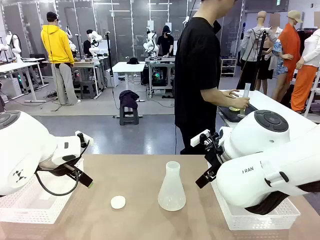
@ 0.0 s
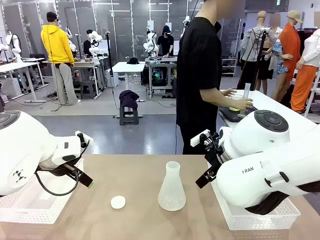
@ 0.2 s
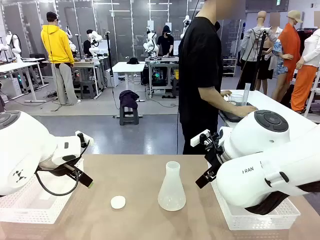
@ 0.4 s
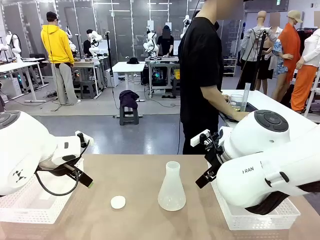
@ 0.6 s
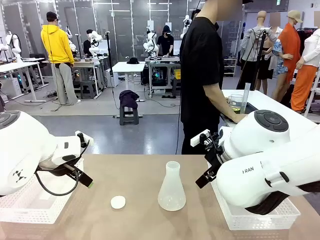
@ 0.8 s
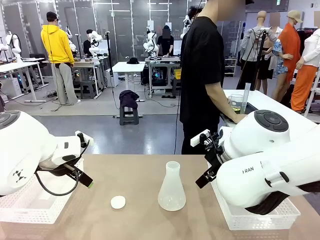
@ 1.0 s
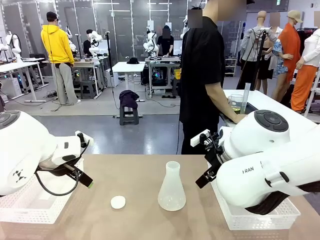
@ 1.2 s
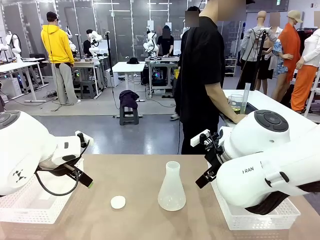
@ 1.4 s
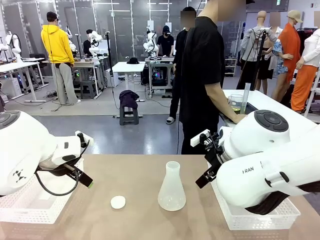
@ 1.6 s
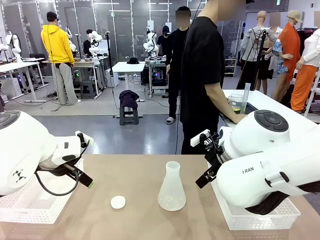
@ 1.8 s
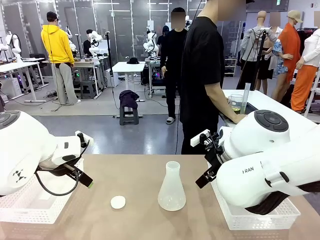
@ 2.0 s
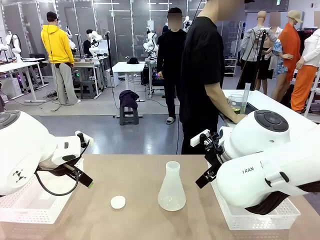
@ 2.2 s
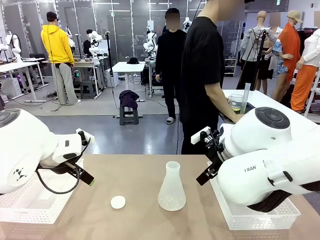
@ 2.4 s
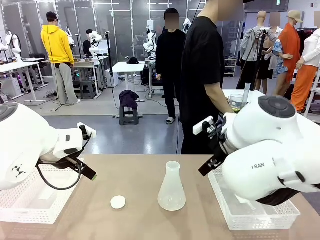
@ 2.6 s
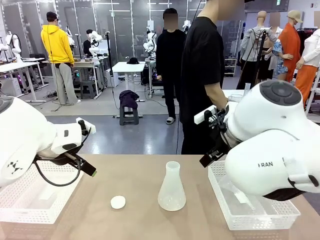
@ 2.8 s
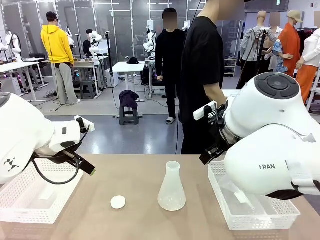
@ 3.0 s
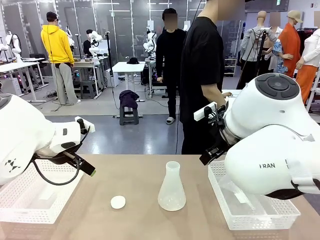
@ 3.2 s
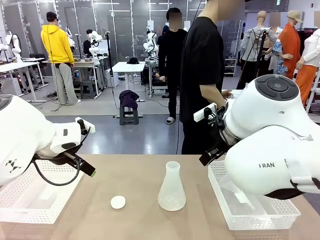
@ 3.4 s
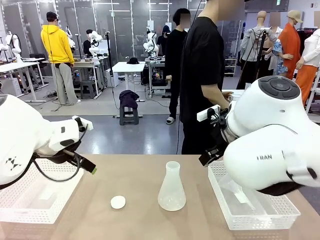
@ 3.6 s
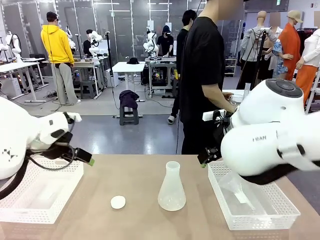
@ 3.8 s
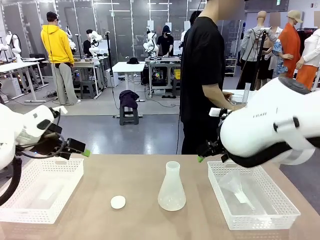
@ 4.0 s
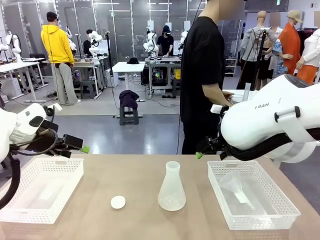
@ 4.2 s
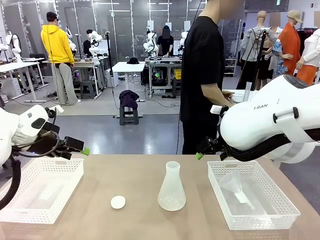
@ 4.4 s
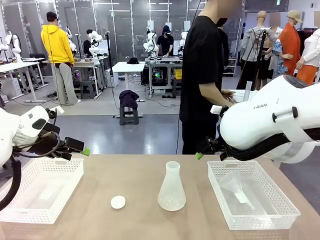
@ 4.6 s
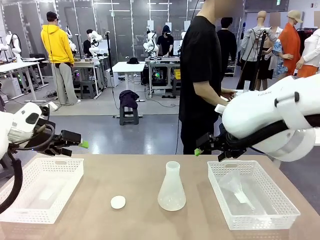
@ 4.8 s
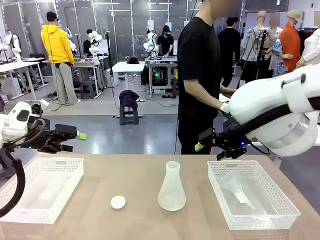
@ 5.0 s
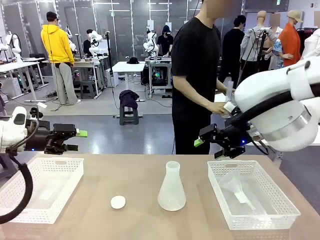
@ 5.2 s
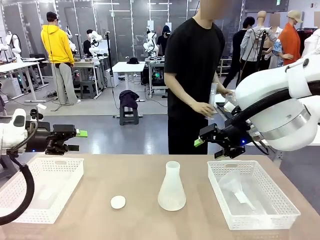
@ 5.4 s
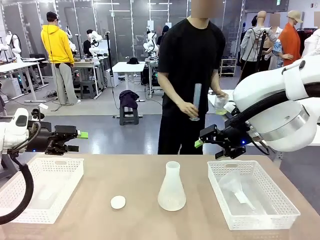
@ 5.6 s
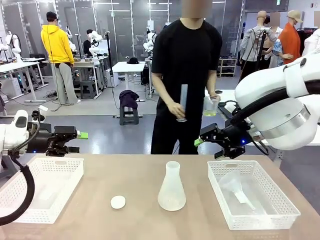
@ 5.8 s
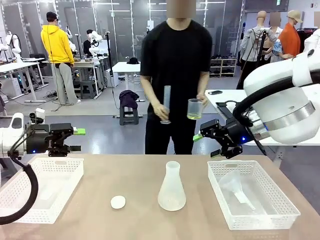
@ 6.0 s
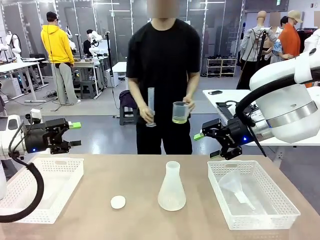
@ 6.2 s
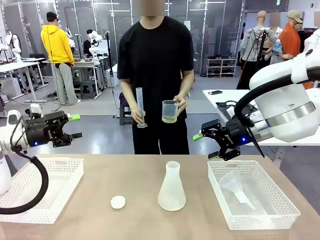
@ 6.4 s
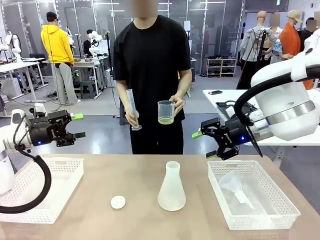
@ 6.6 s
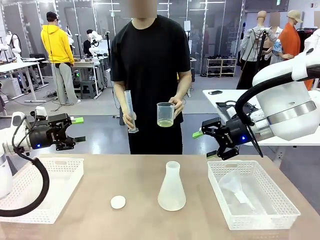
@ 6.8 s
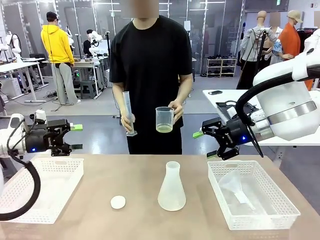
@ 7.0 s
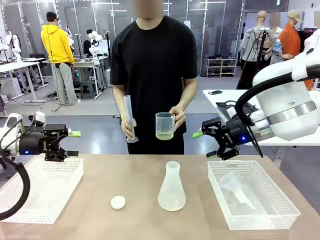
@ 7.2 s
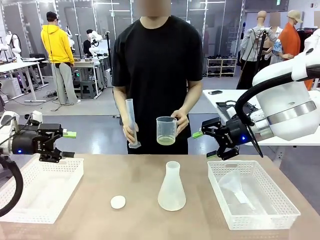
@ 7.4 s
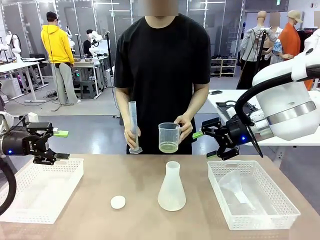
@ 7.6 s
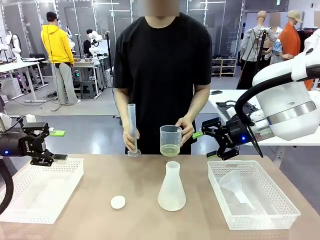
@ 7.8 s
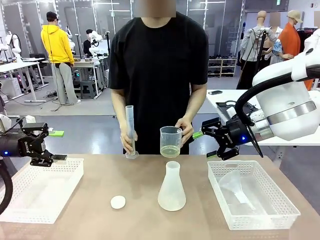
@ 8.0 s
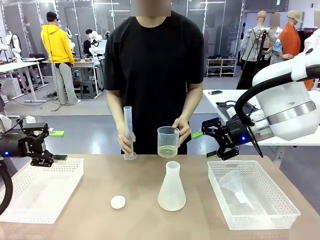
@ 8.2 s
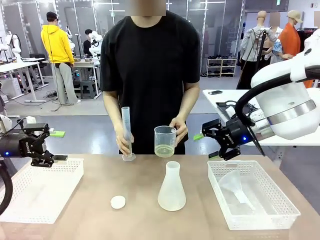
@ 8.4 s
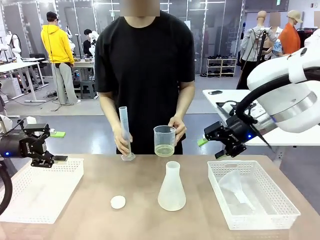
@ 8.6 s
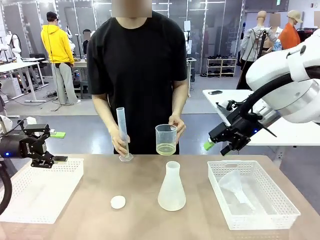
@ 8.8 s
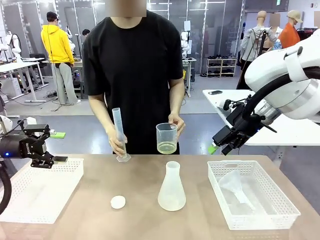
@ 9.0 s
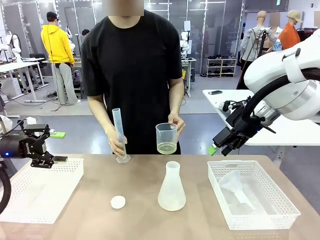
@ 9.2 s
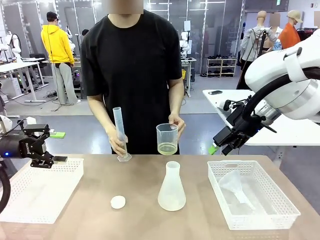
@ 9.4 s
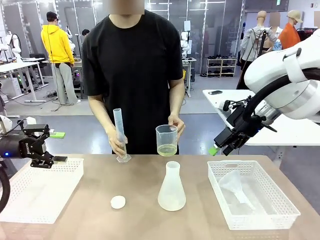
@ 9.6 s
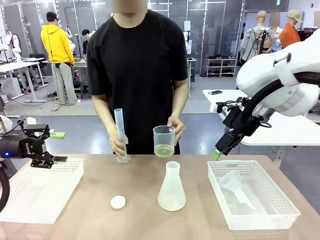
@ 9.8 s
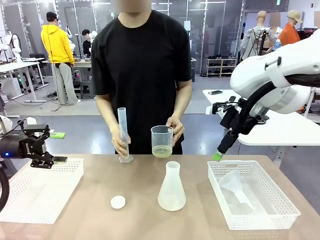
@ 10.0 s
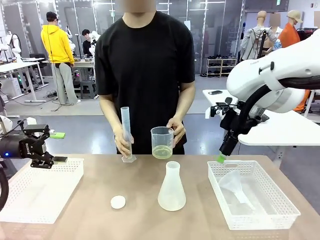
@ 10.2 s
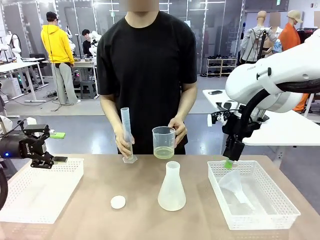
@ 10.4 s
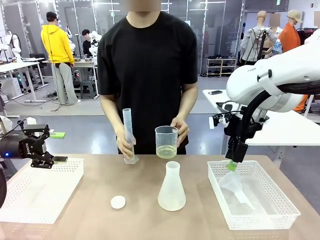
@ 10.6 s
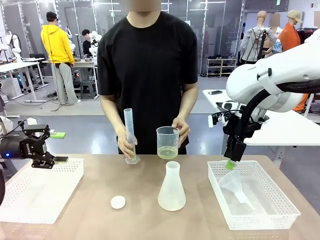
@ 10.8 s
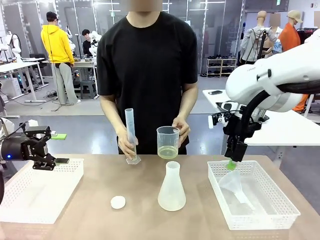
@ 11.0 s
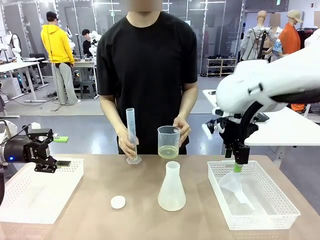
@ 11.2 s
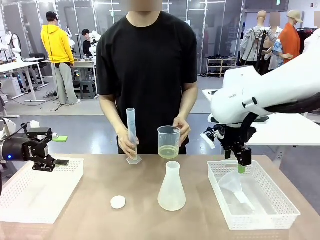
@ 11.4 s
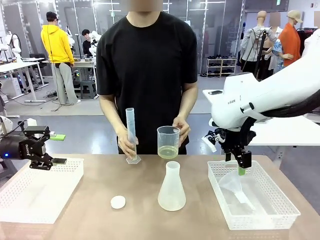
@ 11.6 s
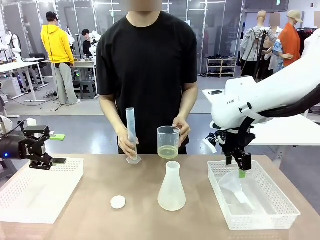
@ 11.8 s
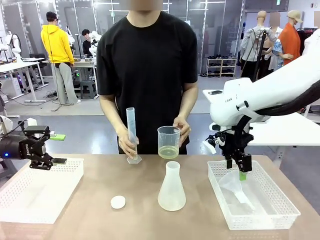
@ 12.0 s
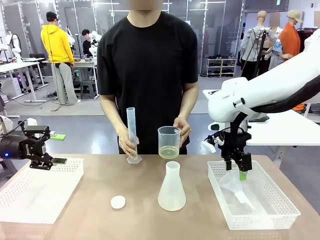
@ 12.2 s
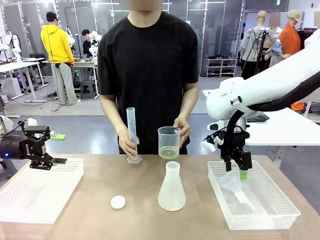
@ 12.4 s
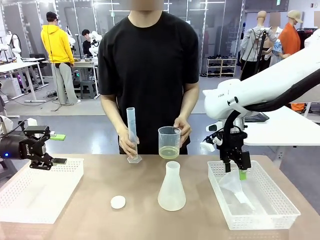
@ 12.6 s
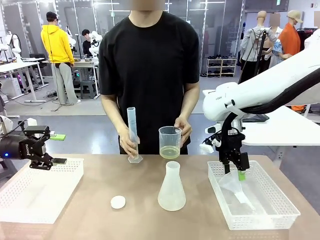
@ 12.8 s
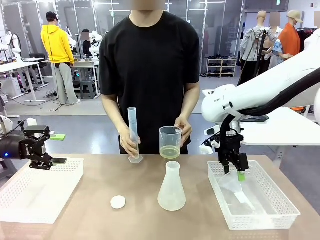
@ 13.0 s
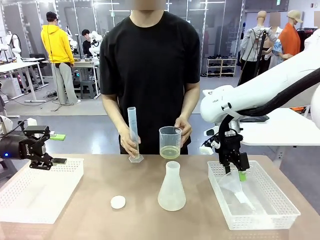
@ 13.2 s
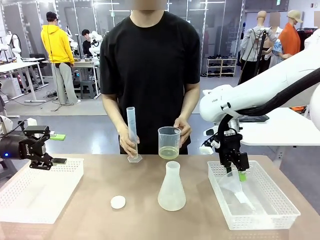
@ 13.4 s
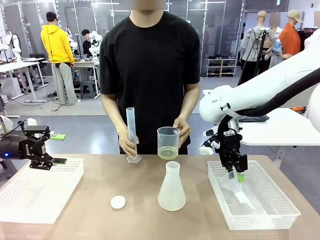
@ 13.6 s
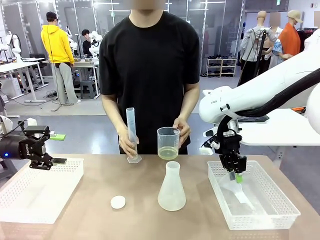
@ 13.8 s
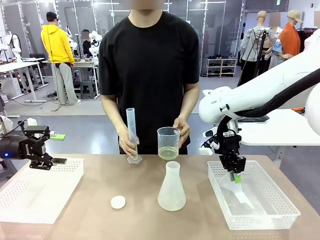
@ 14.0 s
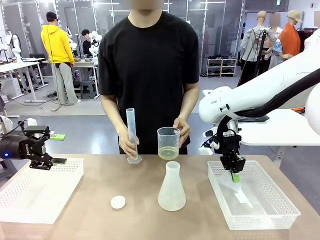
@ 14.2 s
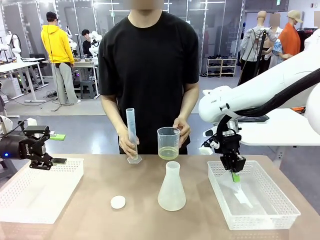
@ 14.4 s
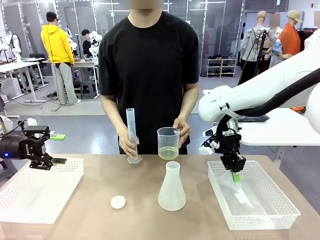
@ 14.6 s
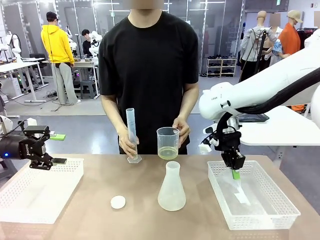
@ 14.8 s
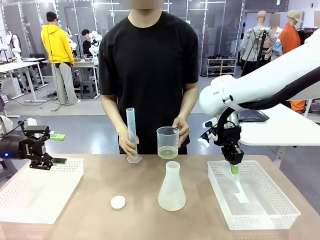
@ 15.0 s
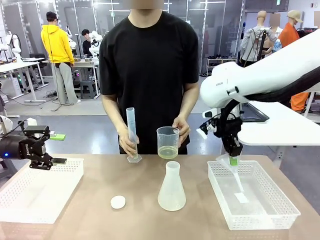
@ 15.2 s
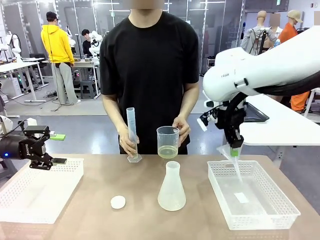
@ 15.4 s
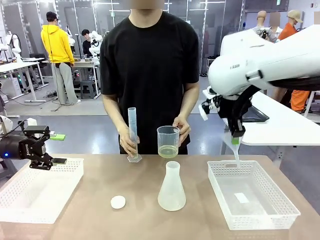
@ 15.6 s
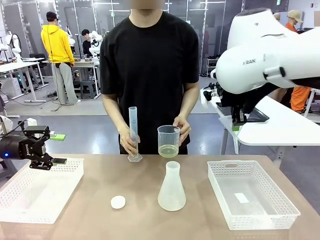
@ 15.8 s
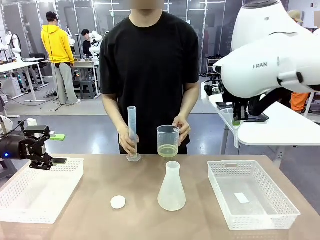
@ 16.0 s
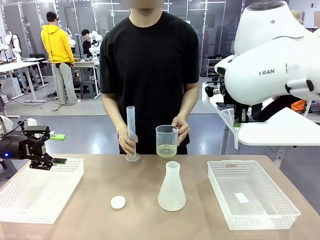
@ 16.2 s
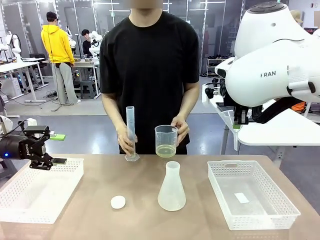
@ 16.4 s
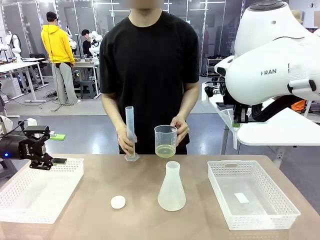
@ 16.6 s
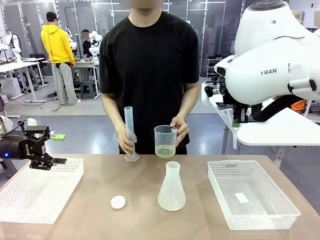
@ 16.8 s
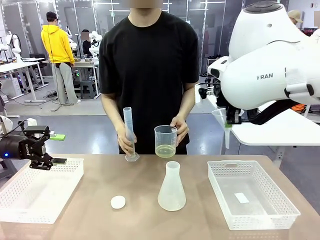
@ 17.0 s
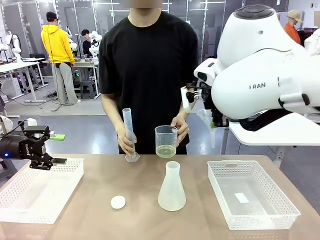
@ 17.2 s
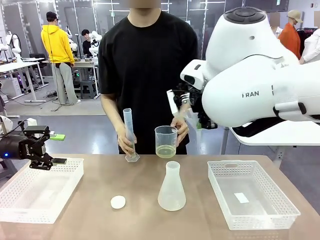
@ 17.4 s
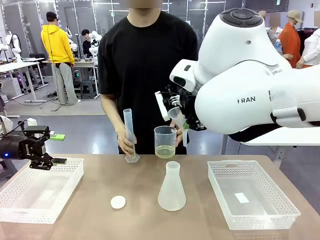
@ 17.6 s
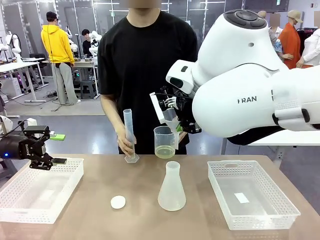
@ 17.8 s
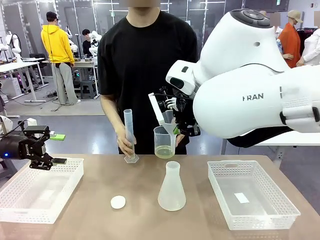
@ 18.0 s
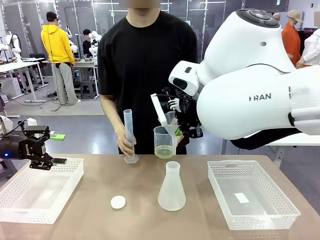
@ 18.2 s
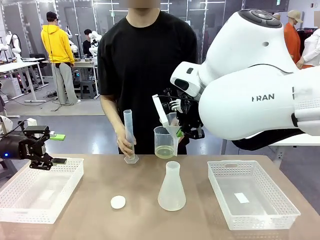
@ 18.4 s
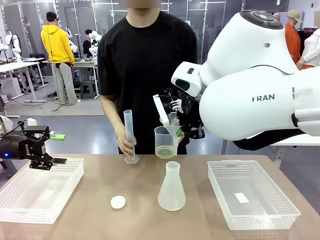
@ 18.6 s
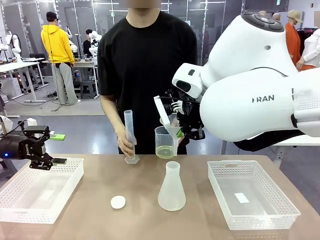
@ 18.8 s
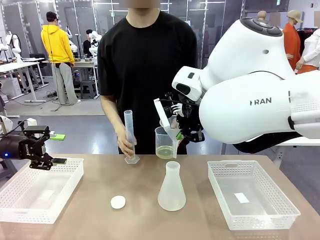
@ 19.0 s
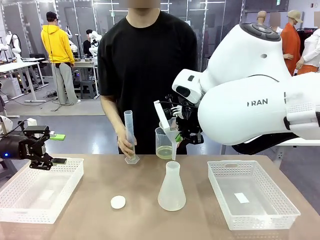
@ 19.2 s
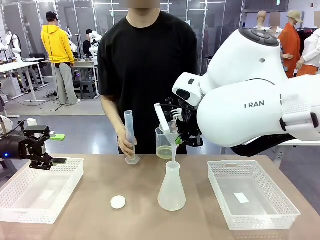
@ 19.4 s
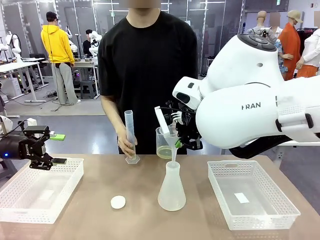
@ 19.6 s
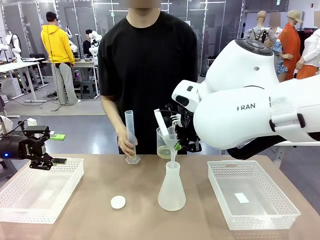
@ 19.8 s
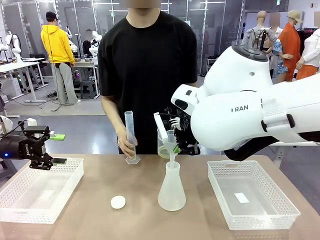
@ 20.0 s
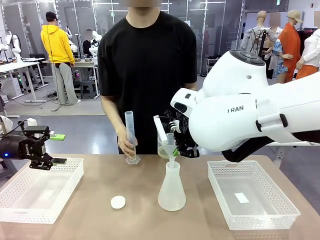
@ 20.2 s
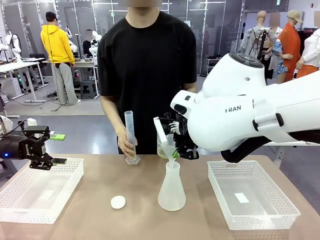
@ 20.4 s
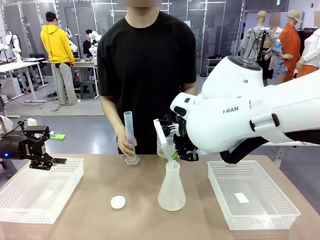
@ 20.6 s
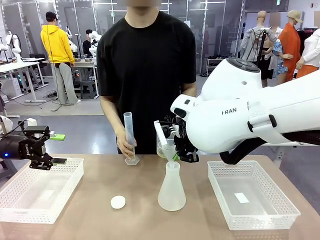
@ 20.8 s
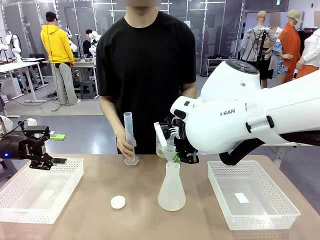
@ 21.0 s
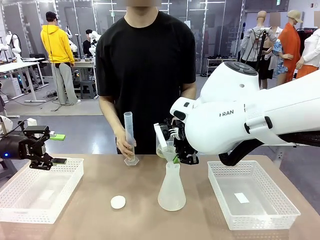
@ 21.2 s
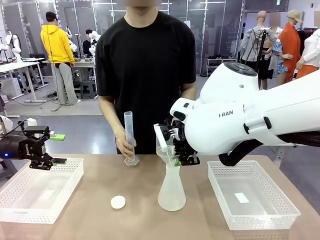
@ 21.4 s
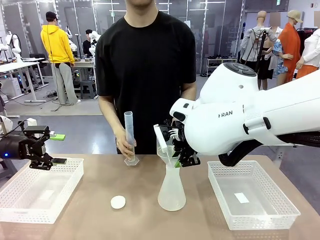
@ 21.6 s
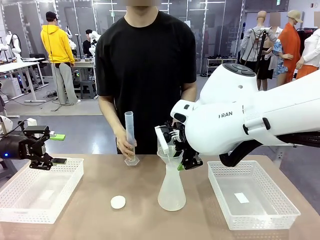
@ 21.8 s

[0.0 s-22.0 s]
Task: Prepare the solutions needed for the experiment.
Robot: Pick up the Plastic Funnel and insert it into the Big flask.
Person: Pick up the beaker and the cylinder and move to the middle of the robot table. Pour the solution from the beaker and the cylinder into the flask.
